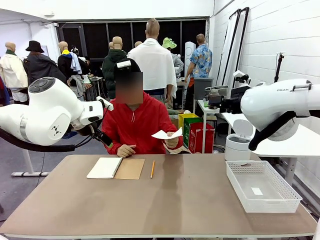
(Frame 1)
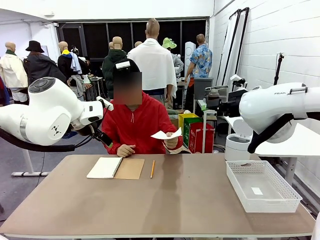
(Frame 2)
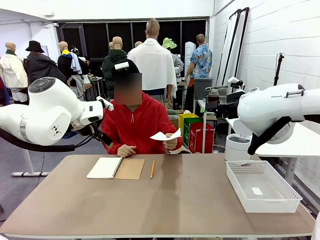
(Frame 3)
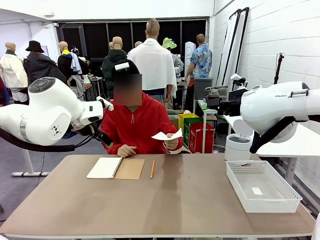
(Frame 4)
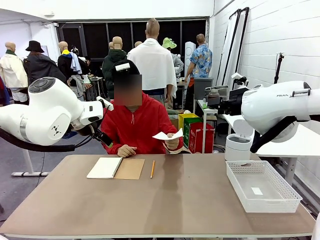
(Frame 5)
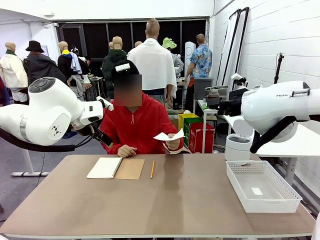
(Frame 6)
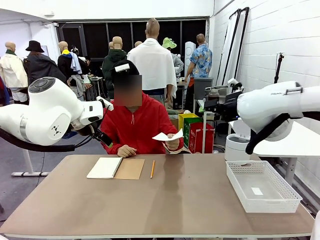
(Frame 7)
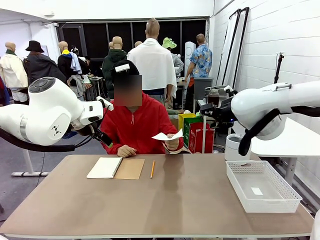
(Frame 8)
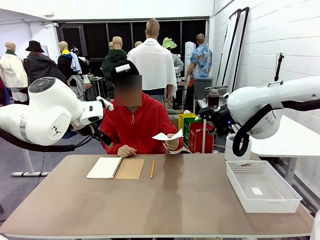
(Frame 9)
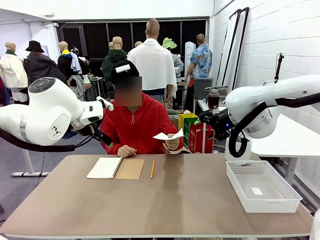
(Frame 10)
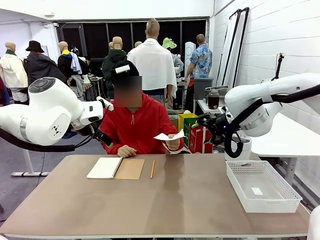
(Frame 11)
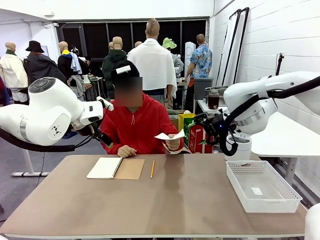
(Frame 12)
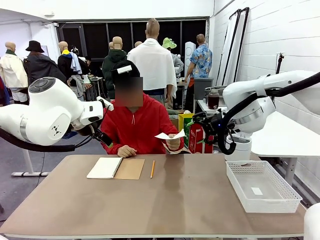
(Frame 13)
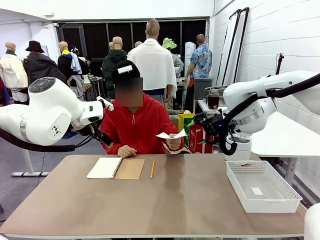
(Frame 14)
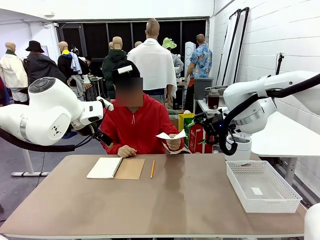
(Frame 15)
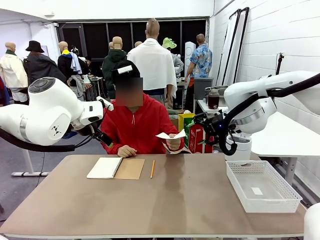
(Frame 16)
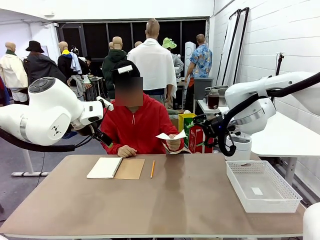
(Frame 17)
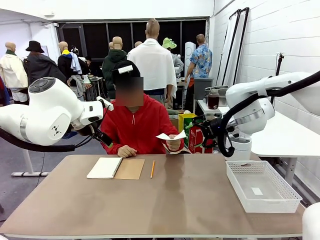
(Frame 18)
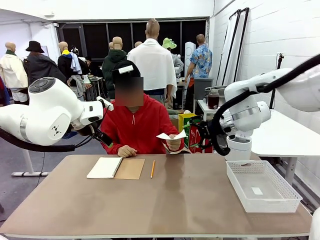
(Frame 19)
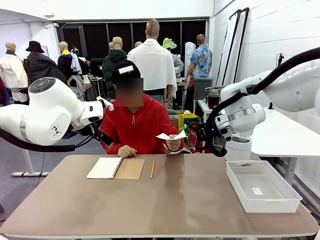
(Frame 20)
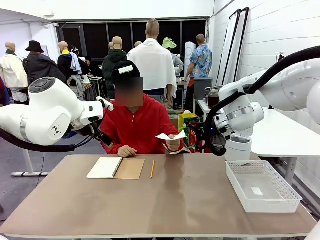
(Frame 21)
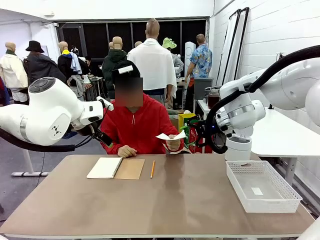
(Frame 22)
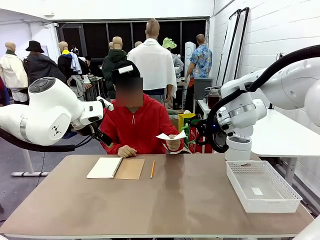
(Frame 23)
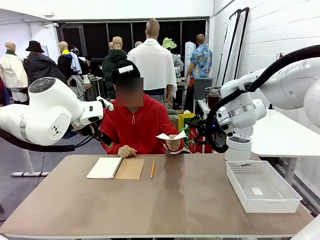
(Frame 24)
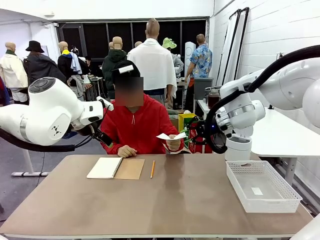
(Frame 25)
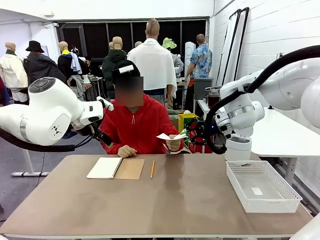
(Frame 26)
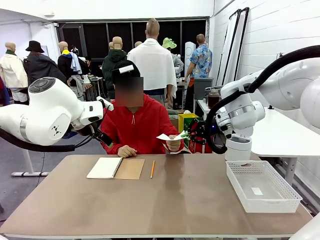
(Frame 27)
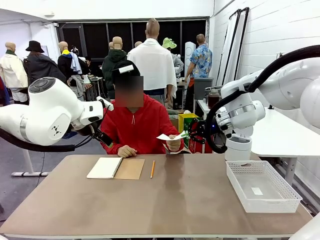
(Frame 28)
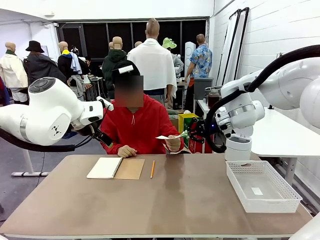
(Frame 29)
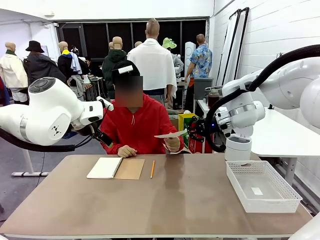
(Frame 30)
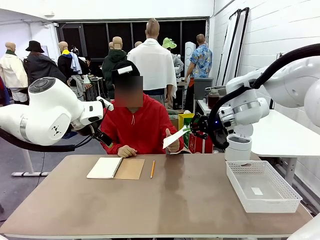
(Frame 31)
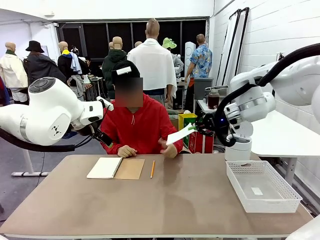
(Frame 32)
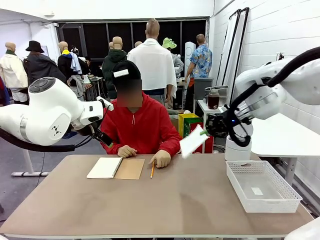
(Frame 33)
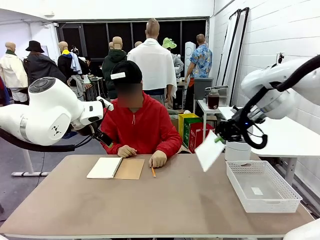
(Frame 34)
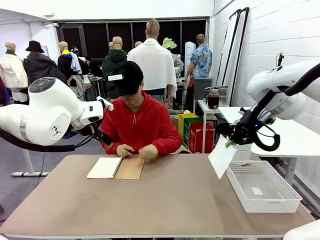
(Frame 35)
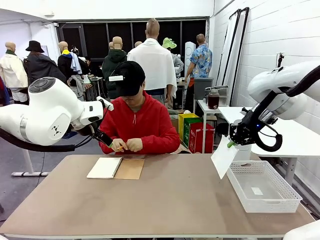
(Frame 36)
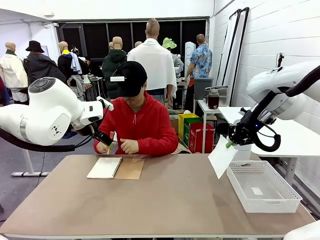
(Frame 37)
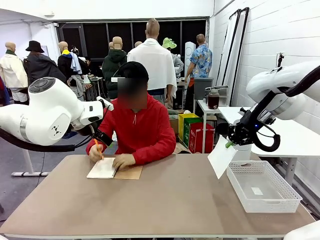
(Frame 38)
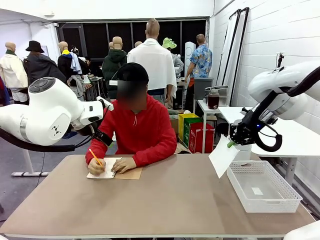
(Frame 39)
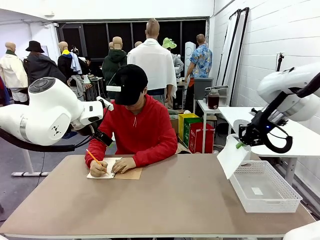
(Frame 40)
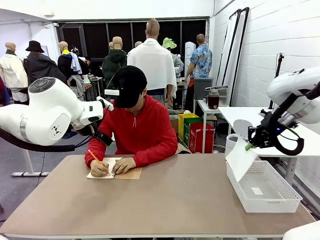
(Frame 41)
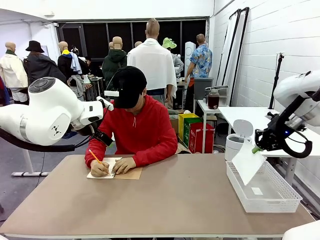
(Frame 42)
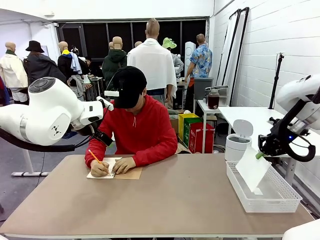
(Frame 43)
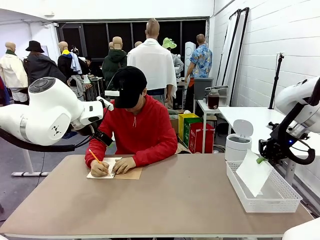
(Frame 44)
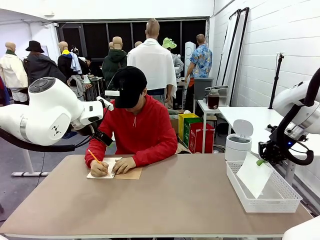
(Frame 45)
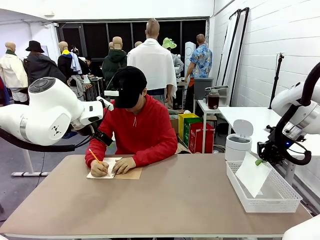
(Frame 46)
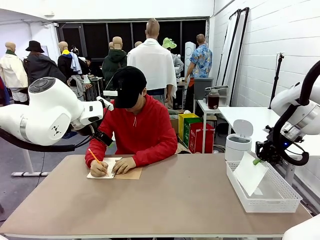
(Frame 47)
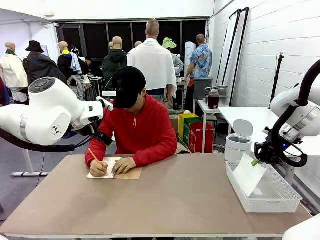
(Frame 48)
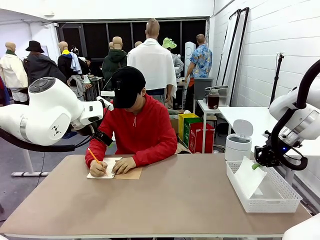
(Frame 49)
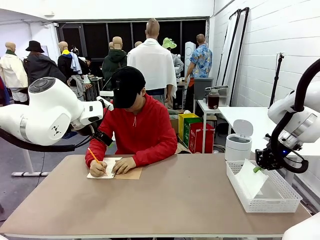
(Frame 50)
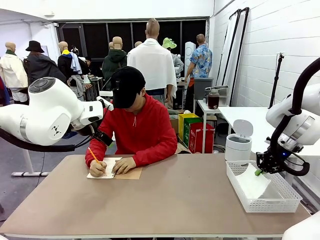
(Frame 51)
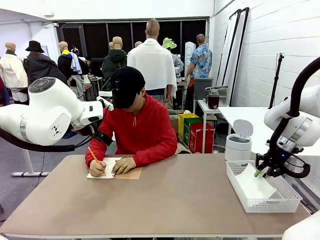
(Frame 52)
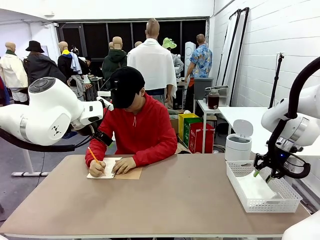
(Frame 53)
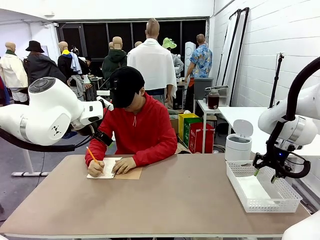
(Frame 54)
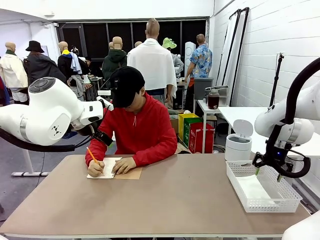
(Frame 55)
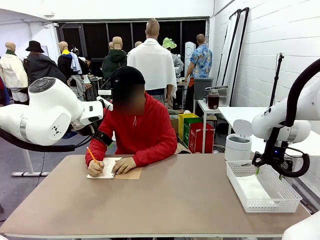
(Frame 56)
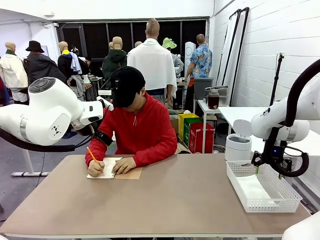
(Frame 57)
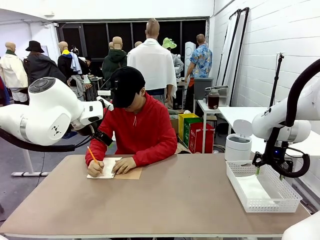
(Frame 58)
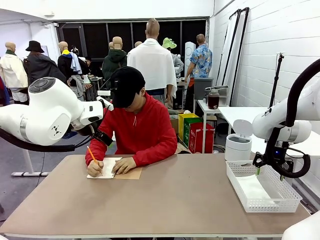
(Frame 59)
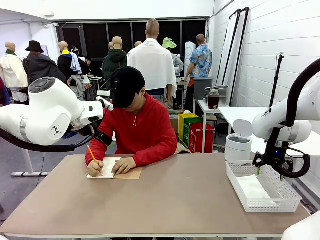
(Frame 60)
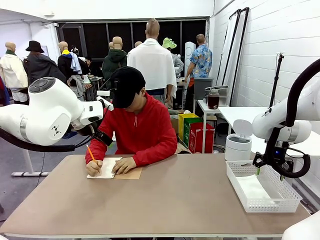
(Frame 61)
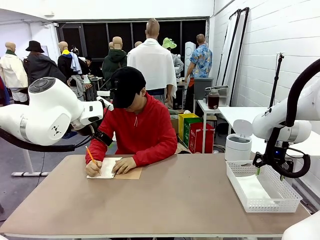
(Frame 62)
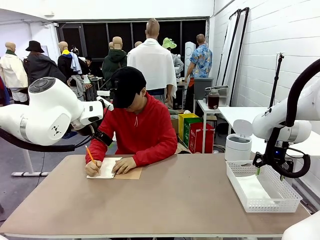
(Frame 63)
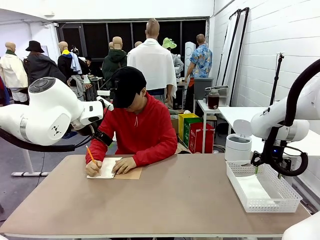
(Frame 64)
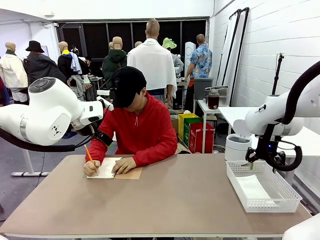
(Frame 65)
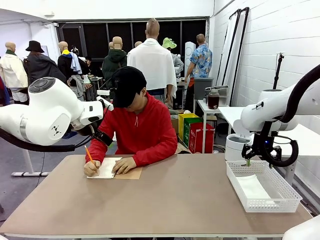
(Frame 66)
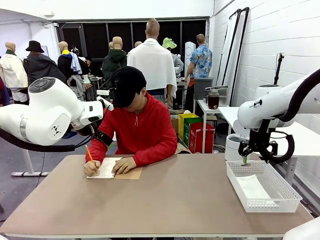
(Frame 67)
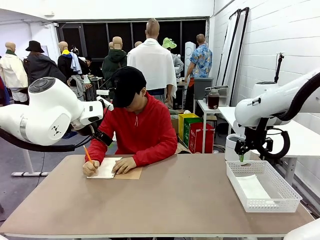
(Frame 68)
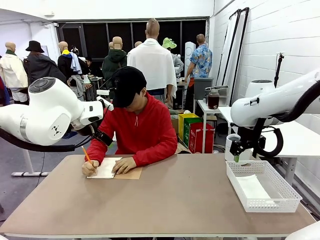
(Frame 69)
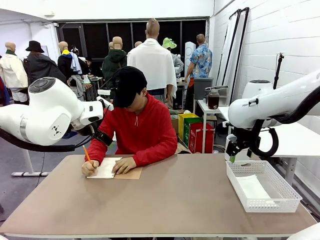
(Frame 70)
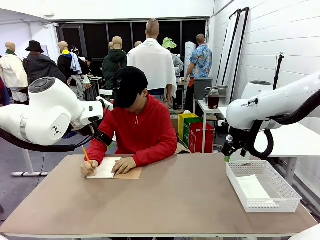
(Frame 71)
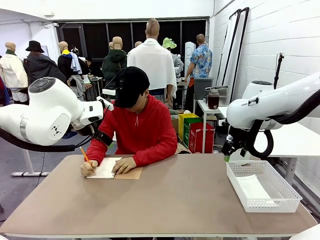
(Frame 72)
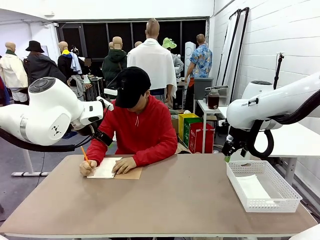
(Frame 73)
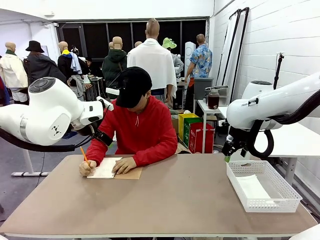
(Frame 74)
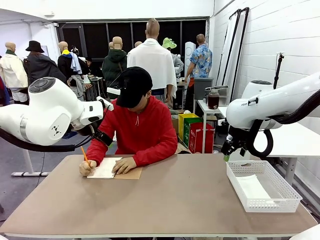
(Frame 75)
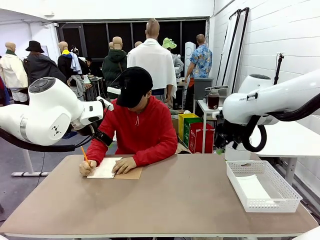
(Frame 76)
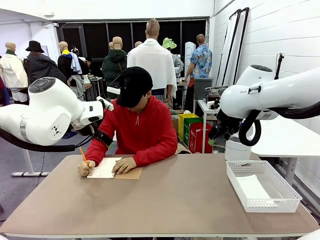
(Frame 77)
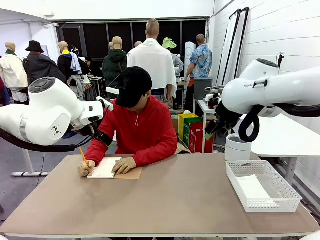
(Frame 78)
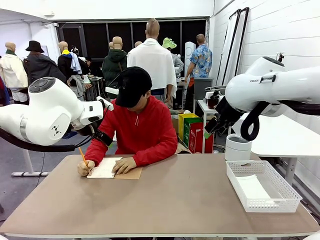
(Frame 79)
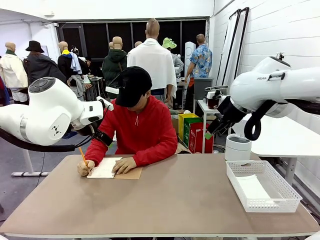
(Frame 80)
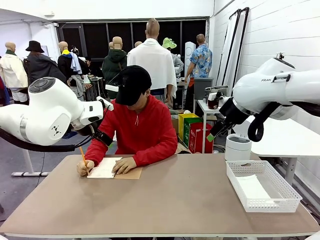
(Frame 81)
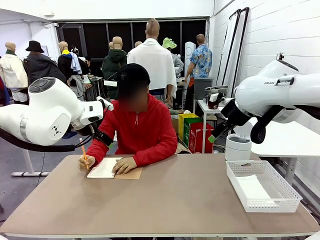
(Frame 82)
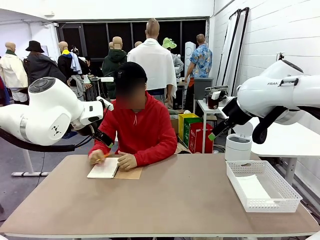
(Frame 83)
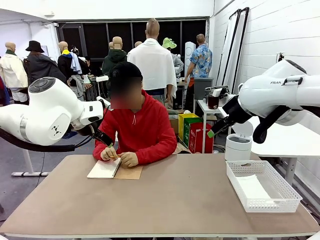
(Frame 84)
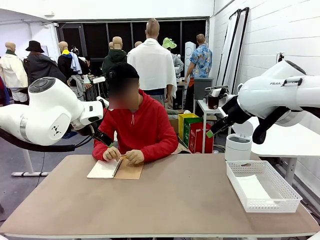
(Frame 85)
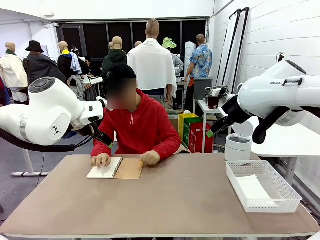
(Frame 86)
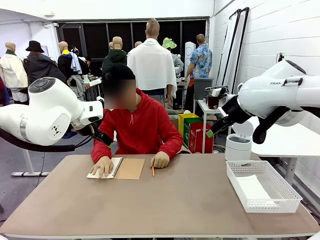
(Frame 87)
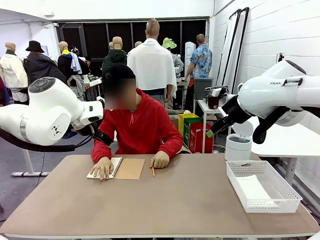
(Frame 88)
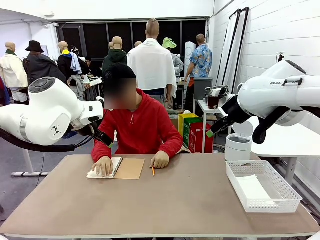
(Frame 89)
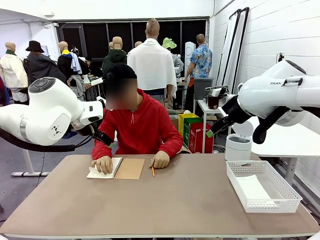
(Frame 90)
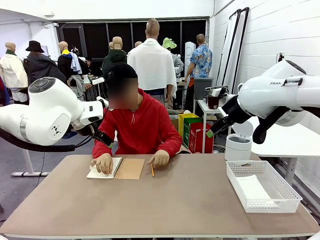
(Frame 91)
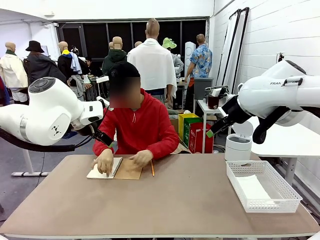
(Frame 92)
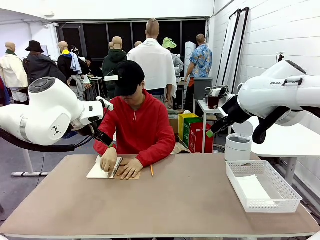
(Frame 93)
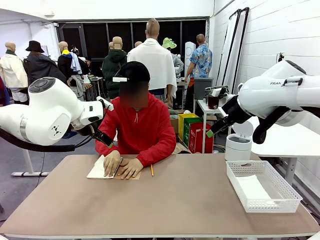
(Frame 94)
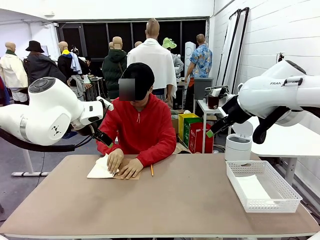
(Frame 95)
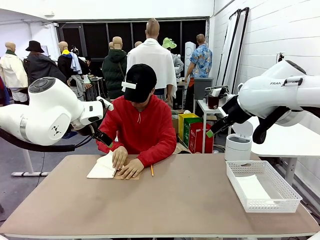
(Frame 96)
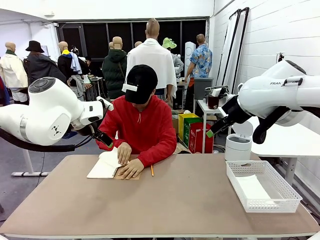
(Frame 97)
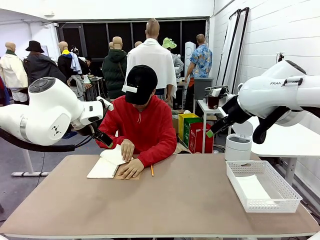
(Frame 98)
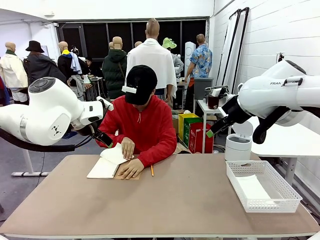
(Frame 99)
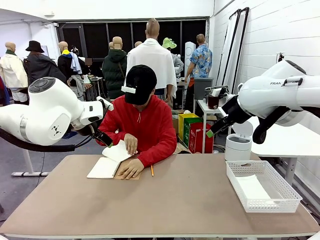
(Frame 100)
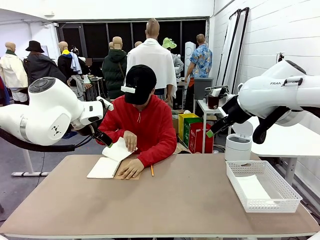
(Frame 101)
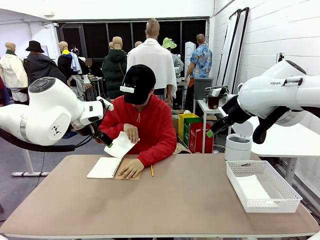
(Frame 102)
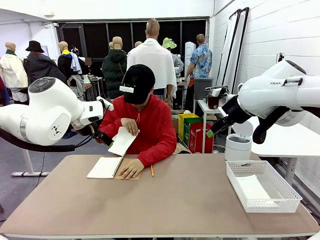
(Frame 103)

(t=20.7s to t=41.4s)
Task: Sort the paper based on its condition.
Robot: If a person hands you a paper, place it in the Organizing basket , and if it's crumpled, put it in the Trash can.
Person: Tear out a page from the spiral notebook.
